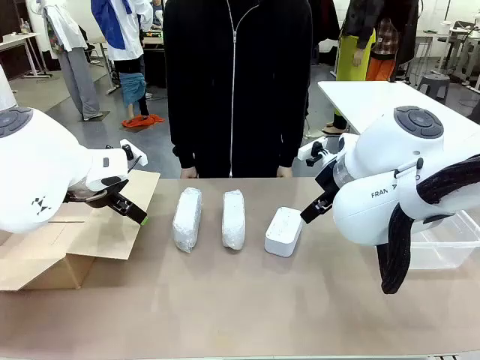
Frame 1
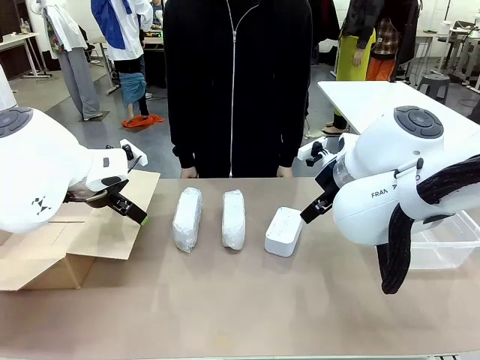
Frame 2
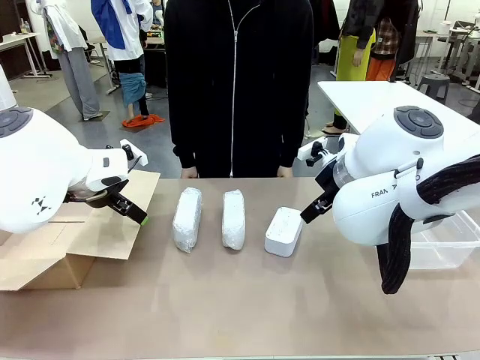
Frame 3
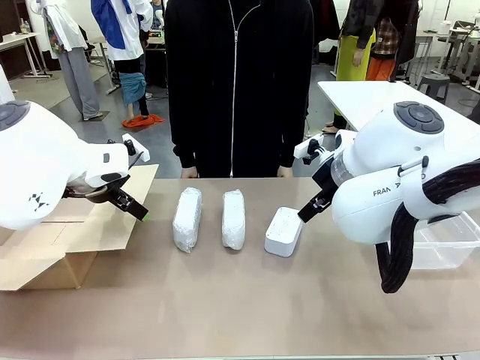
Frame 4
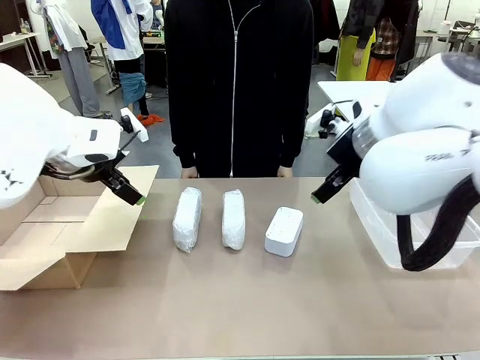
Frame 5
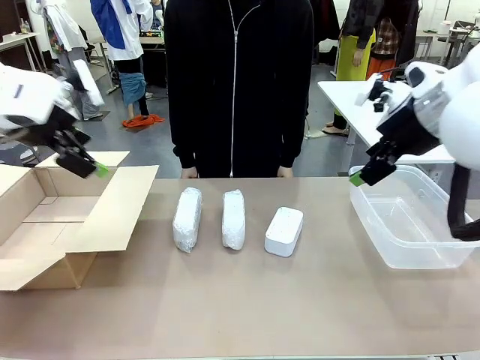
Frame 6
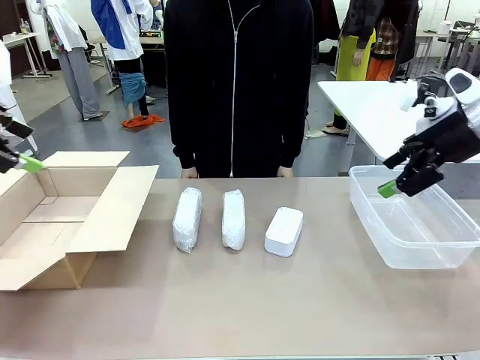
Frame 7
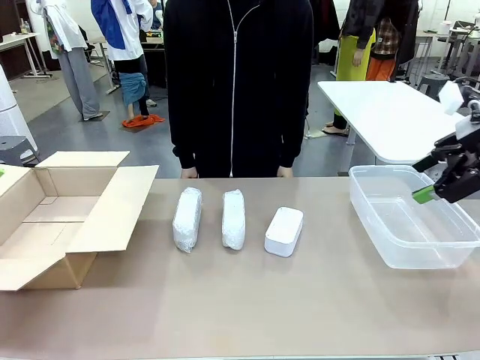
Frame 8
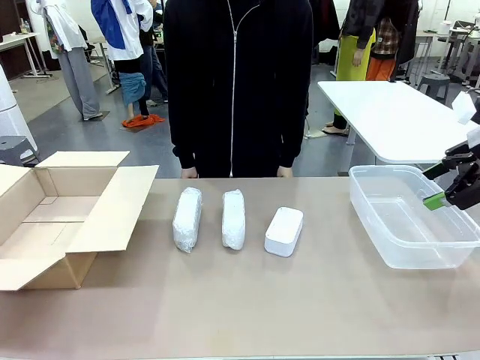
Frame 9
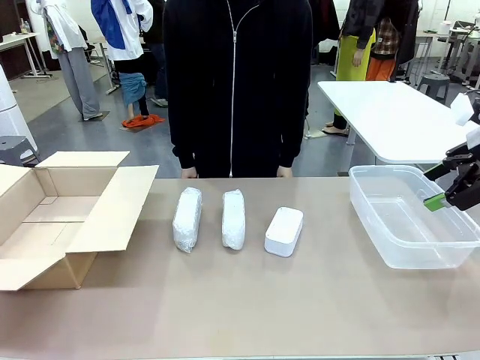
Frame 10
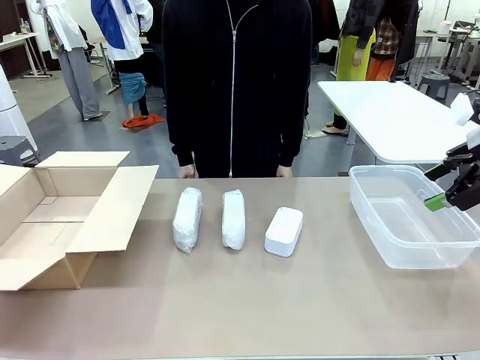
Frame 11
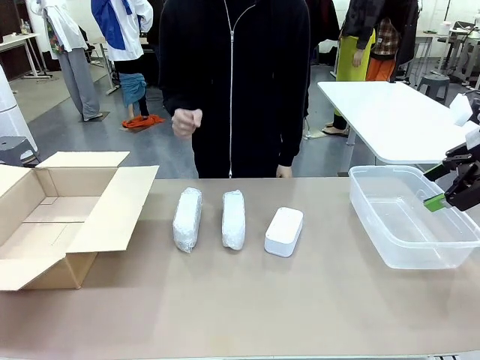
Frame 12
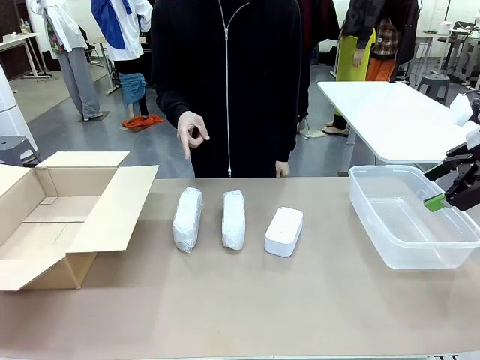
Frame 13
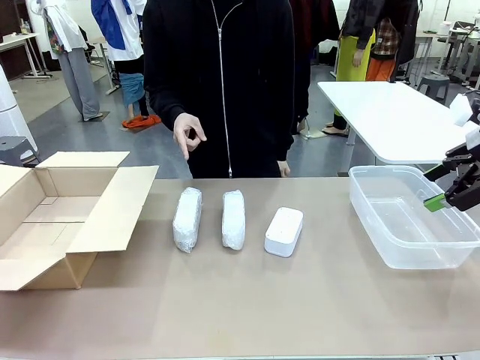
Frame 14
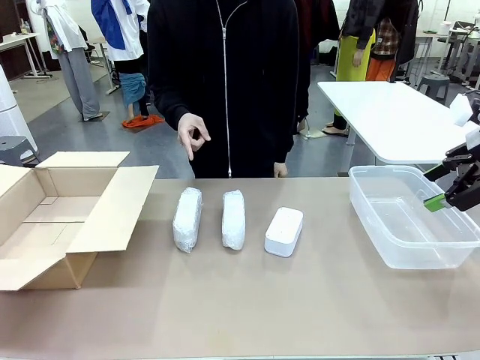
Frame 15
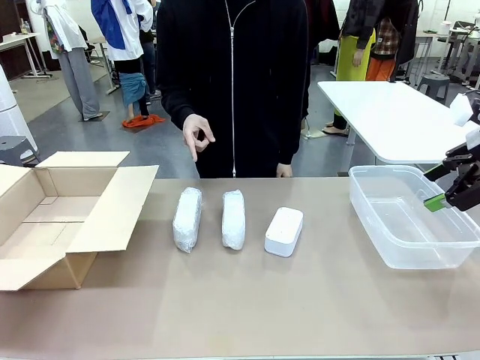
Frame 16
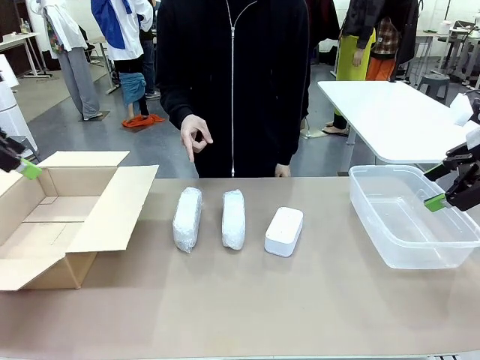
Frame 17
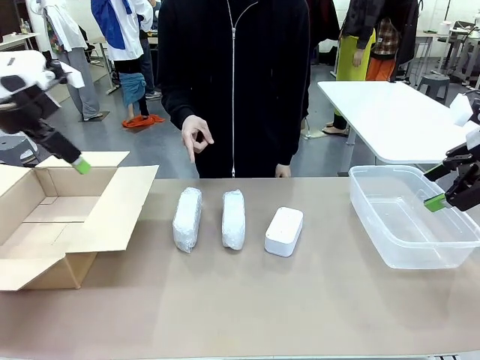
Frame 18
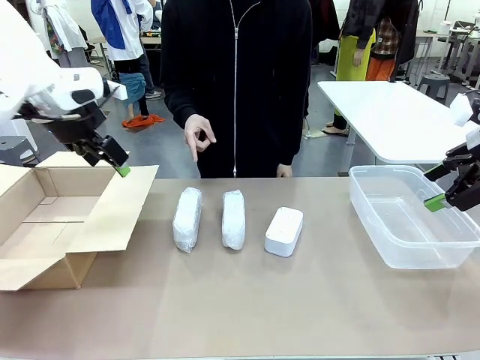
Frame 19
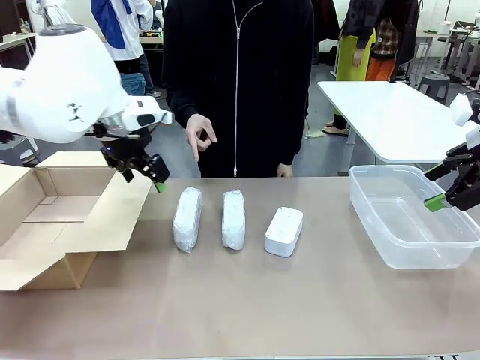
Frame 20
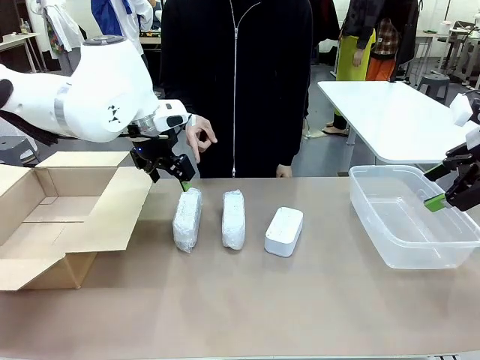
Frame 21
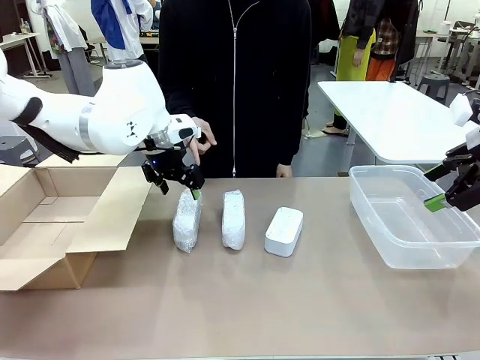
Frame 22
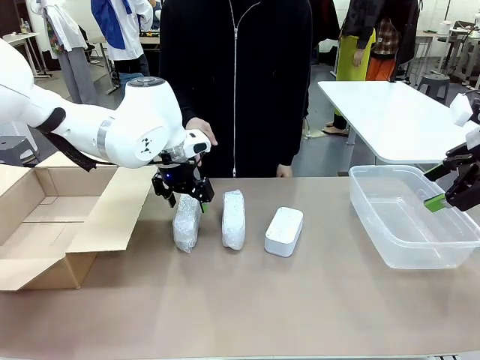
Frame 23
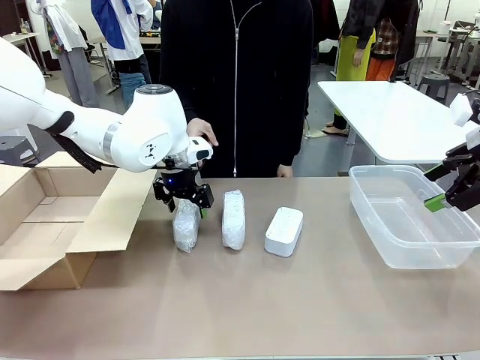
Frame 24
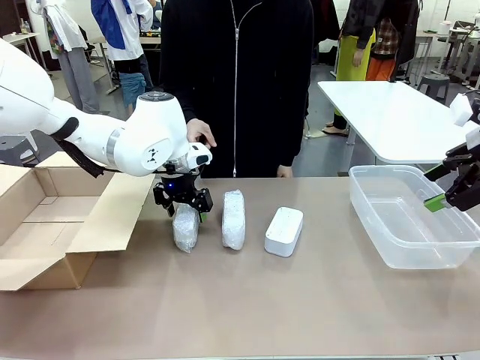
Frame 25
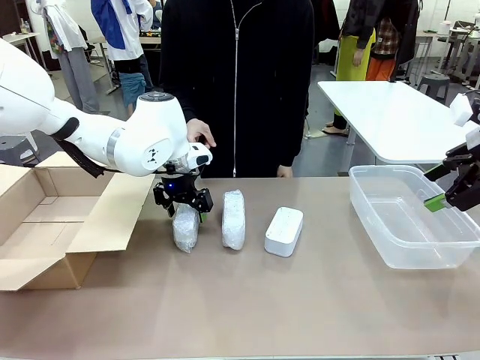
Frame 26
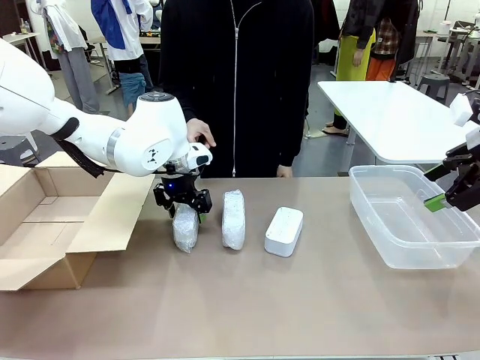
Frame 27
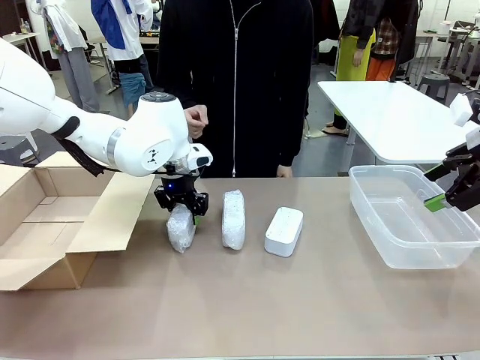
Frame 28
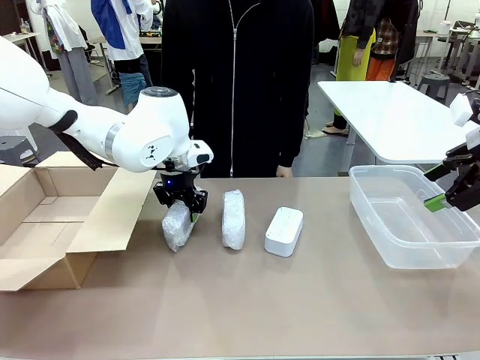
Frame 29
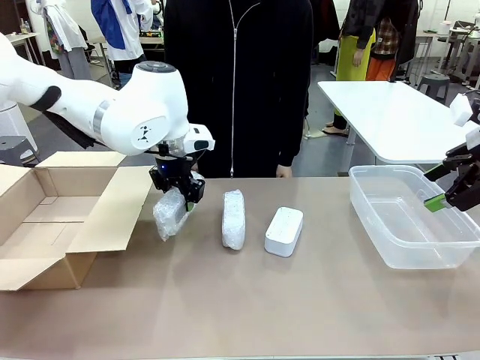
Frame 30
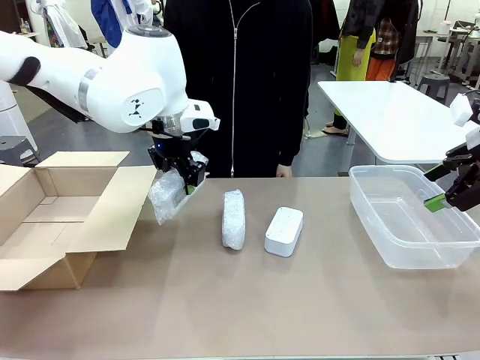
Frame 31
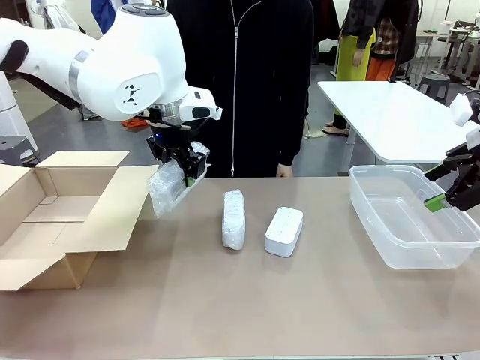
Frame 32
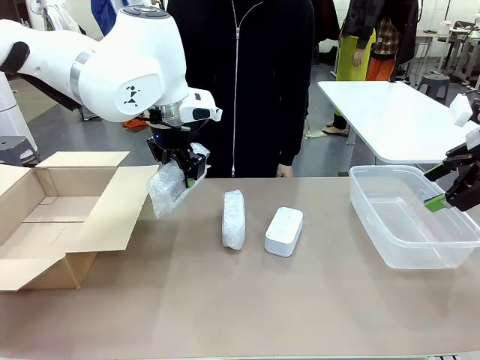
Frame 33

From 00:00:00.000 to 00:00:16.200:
Task: Separate and place wrapped and unwrapped clocks.
Robot: Pick up the Digital clock indicated by the person.

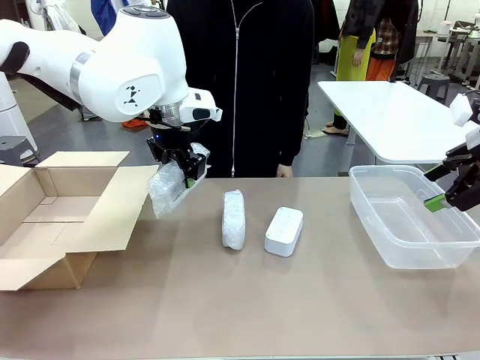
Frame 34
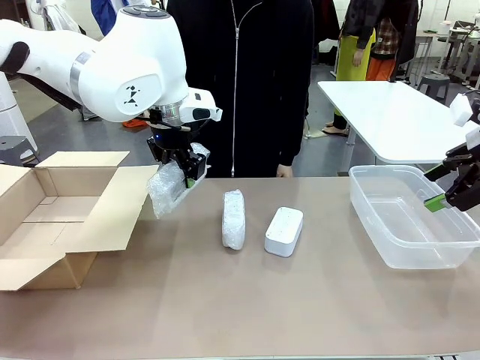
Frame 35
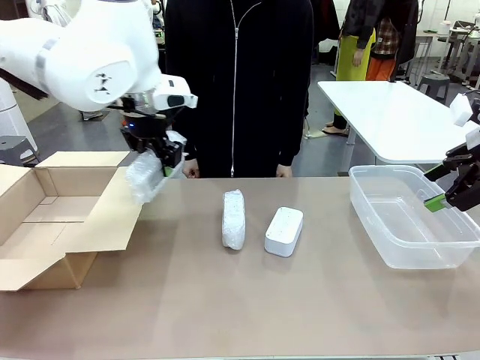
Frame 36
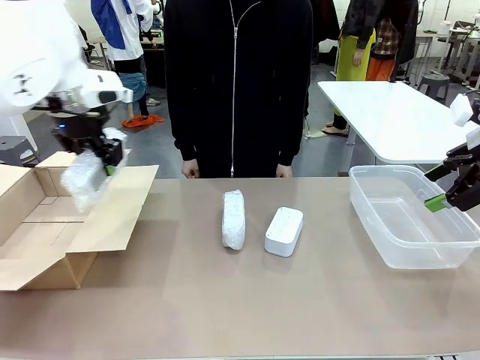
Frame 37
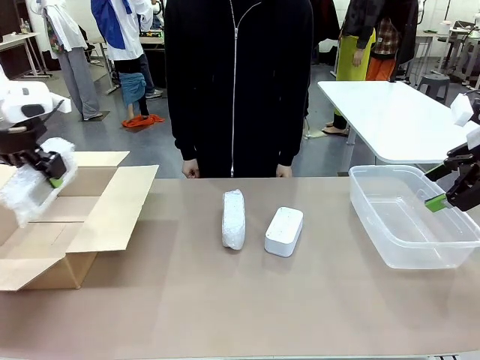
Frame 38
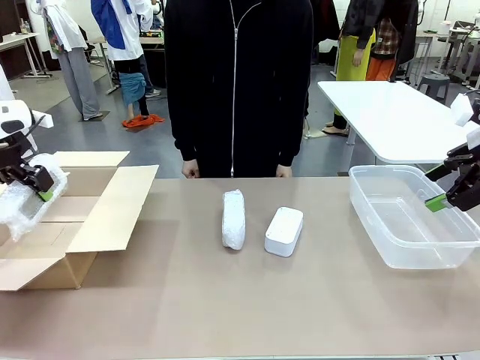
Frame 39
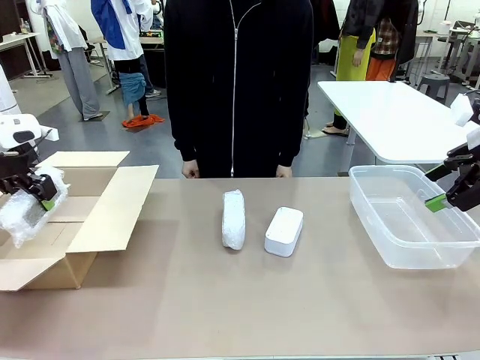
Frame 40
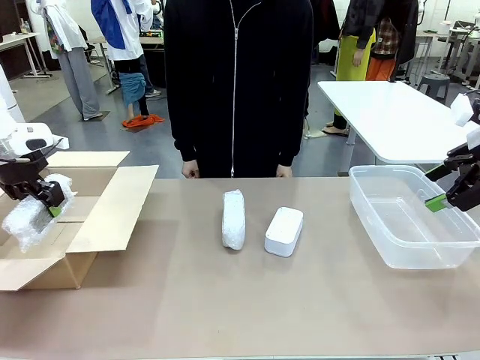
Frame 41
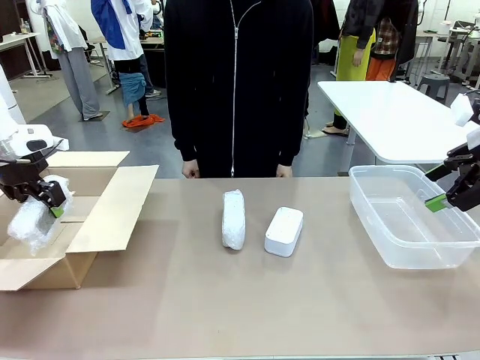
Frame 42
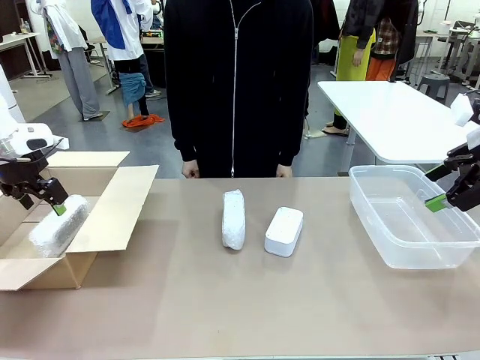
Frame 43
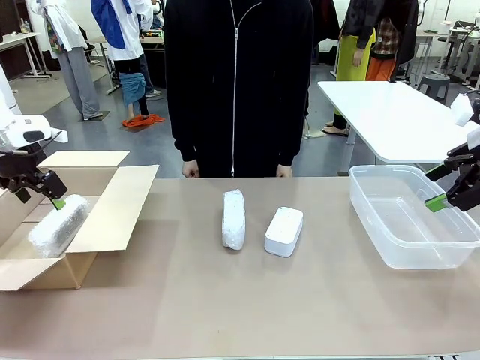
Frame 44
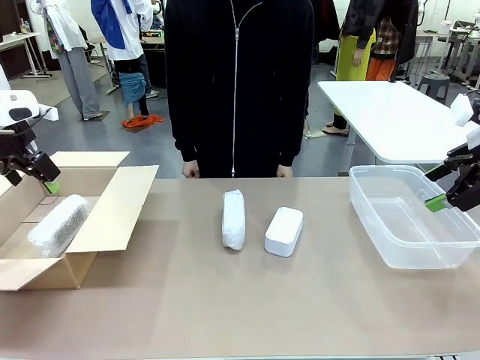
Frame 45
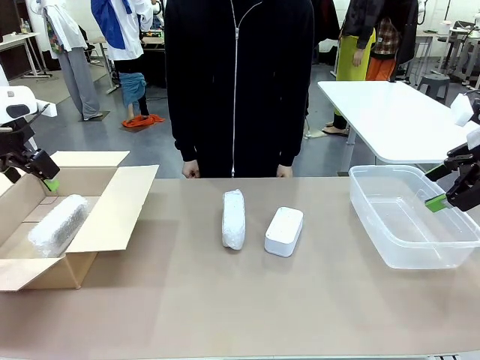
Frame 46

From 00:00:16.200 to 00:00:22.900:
Robot: If the picked Digital clock is wrapped, place it in the Package Box ; if not, place it in the Organizing box.

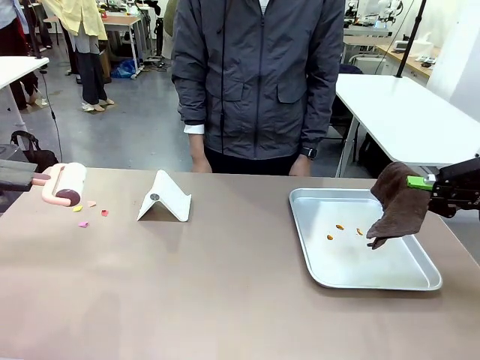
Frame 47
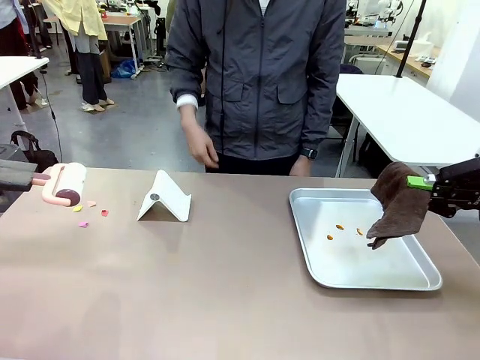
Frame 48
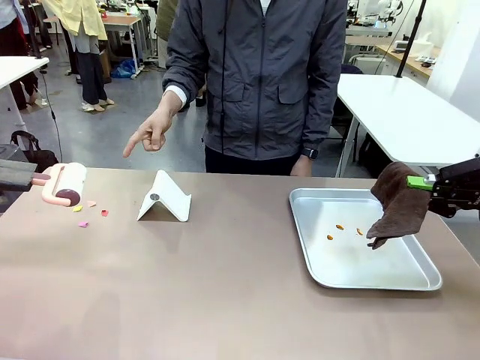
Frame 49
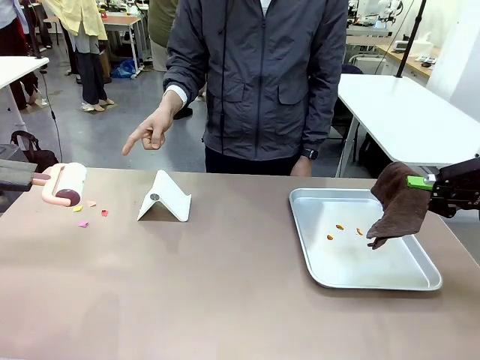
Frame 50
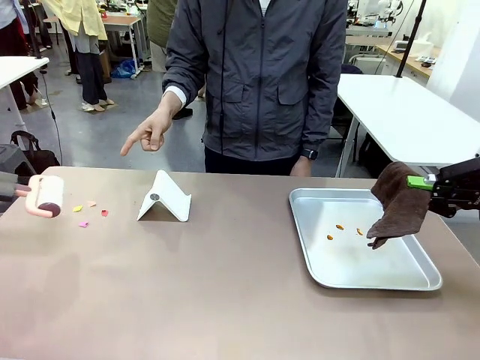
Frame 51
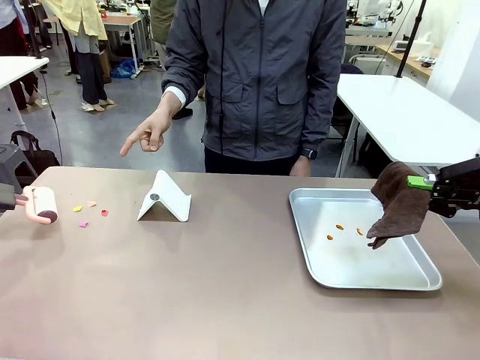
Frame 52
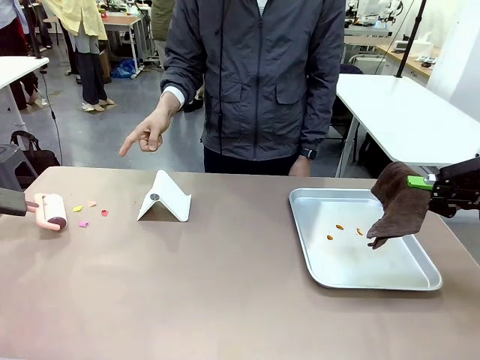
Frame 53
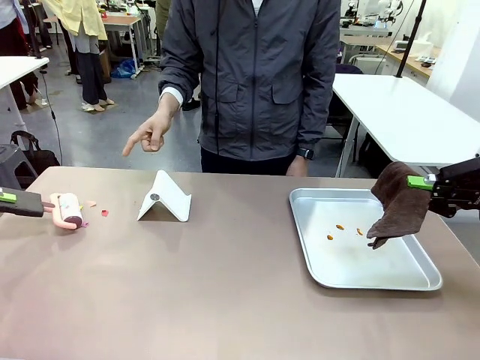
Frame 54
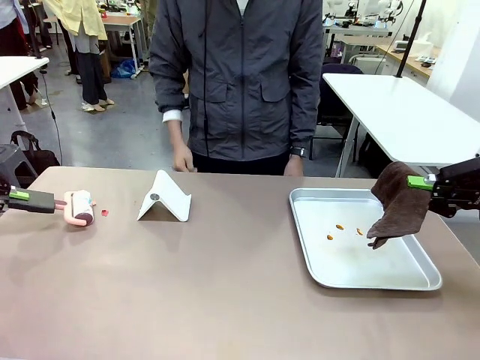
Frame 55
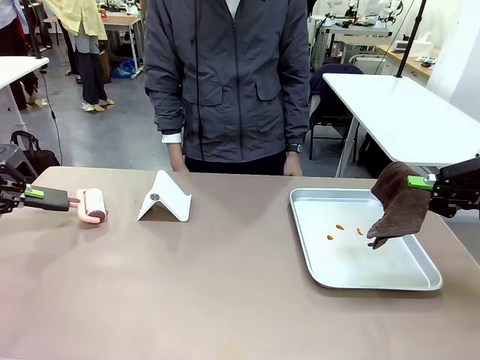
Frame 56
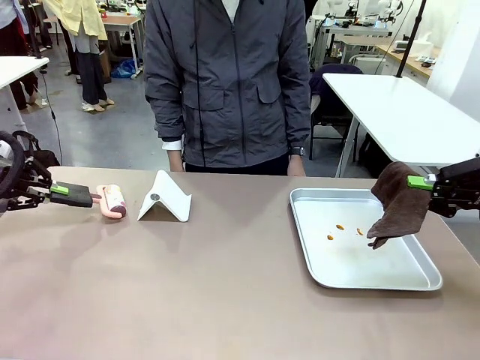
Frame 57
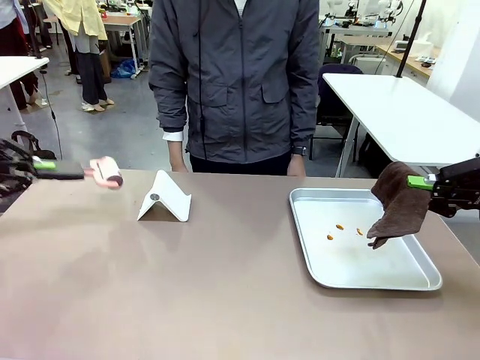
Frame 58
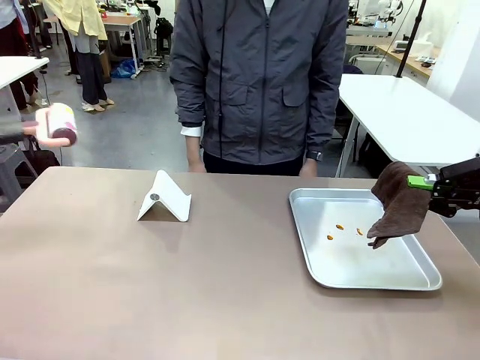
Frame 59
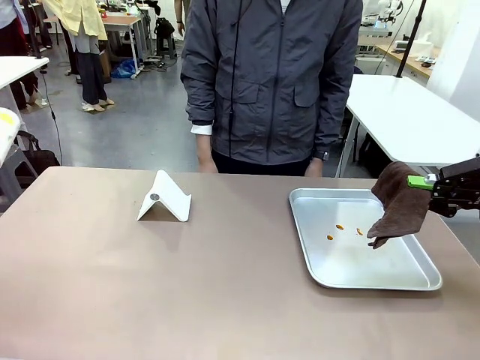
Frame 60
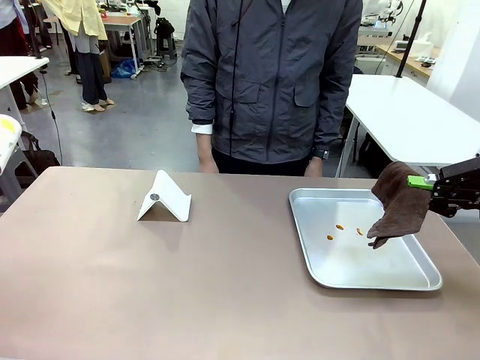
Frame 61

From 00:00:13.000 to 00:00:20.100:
Task: Clean the surface of the table.
Robot: If a person points to the right, clean the right side of the table with your right hand, and if they point to the left, clean the left side with your left hand.
